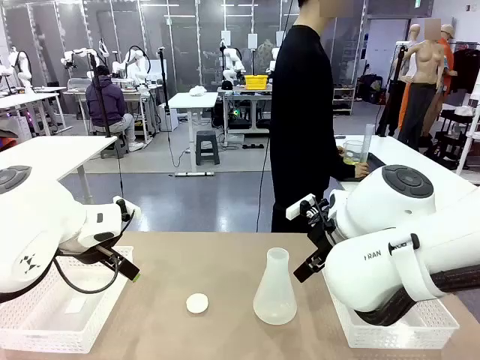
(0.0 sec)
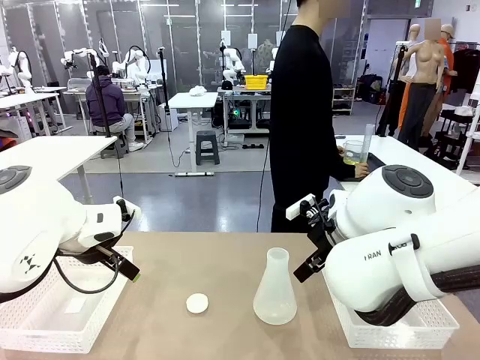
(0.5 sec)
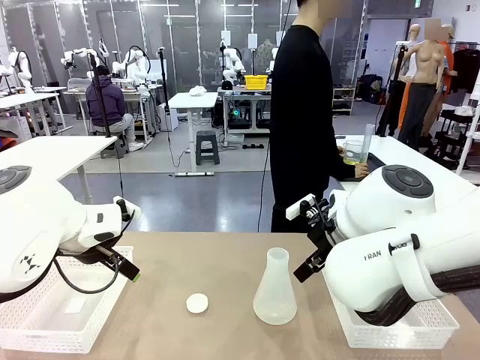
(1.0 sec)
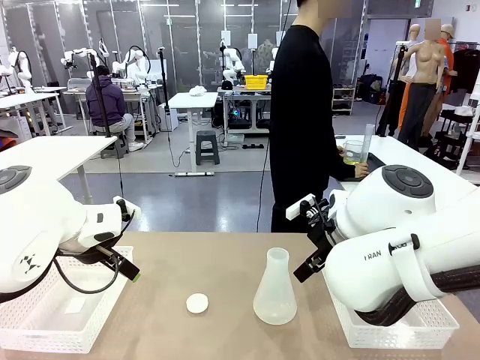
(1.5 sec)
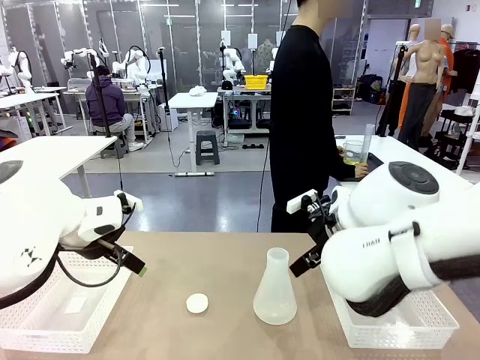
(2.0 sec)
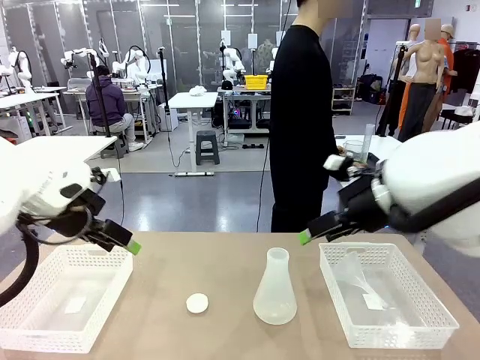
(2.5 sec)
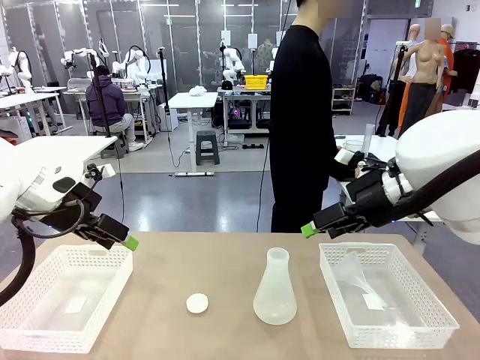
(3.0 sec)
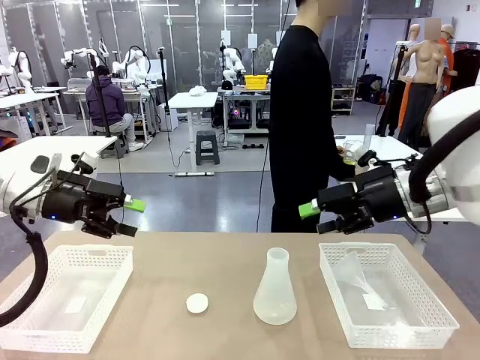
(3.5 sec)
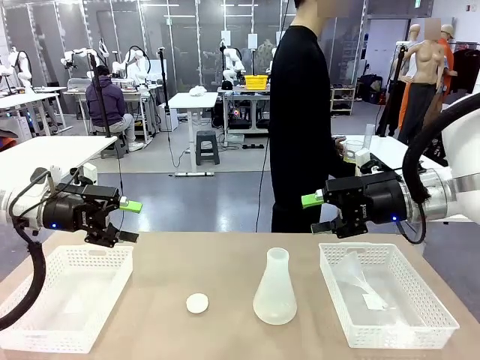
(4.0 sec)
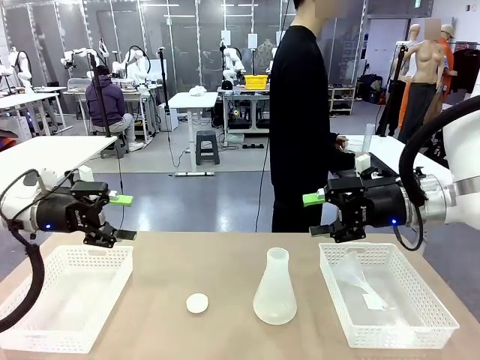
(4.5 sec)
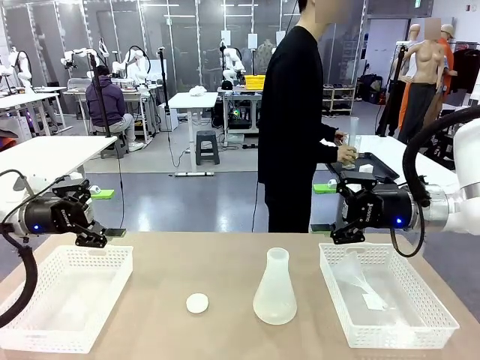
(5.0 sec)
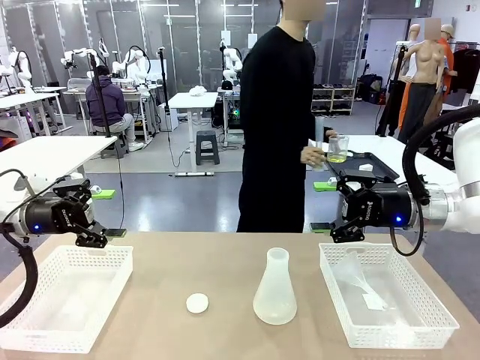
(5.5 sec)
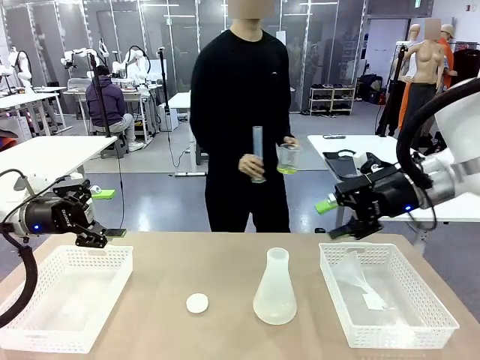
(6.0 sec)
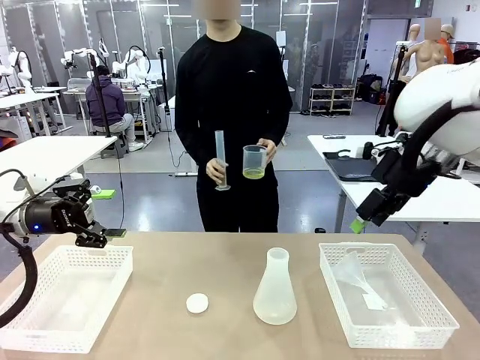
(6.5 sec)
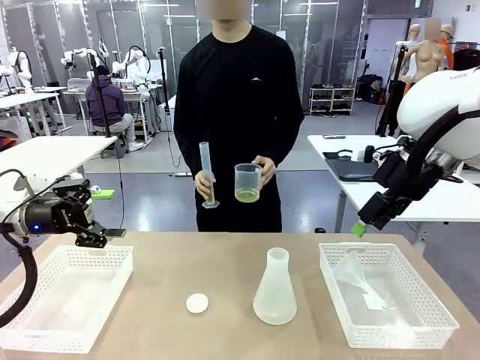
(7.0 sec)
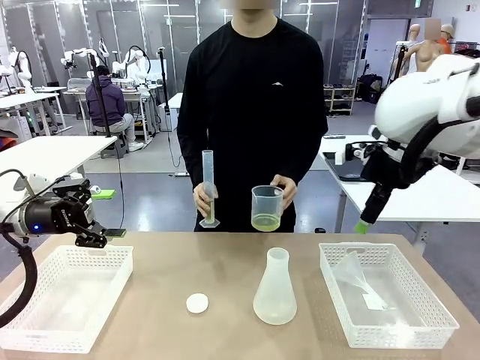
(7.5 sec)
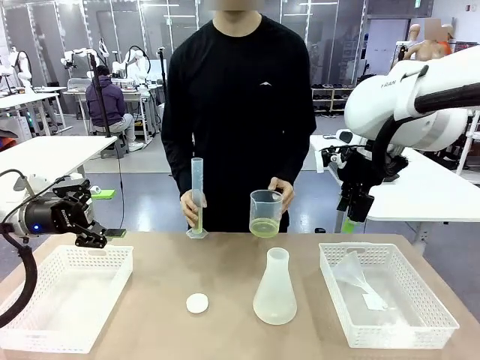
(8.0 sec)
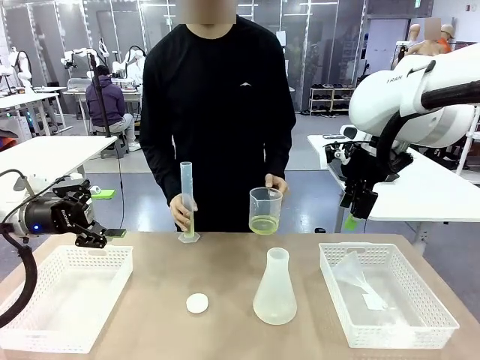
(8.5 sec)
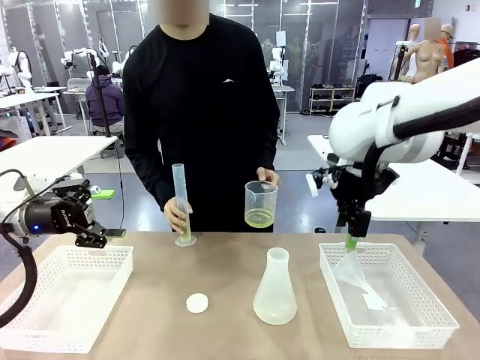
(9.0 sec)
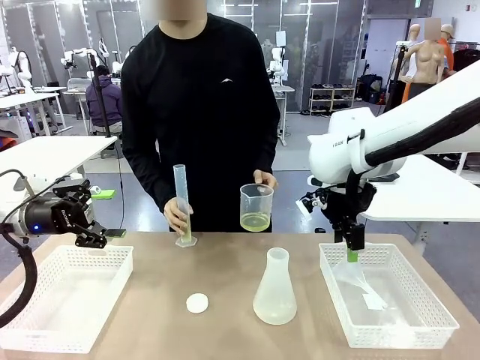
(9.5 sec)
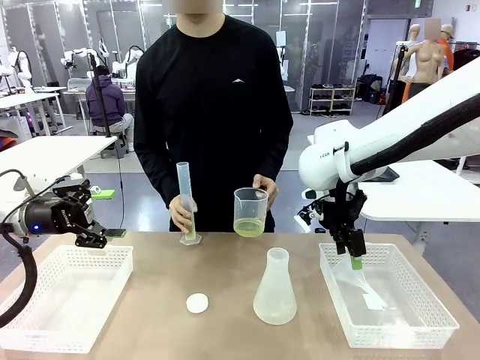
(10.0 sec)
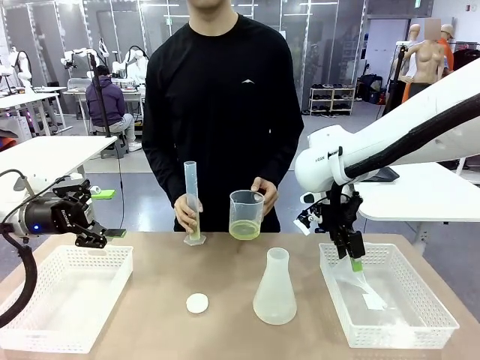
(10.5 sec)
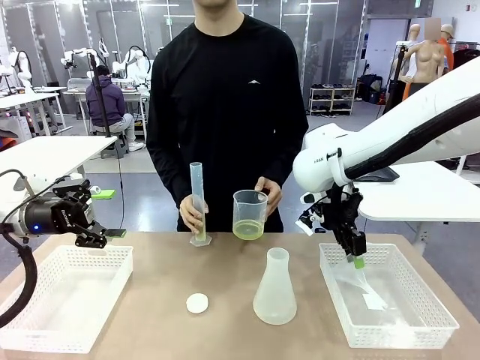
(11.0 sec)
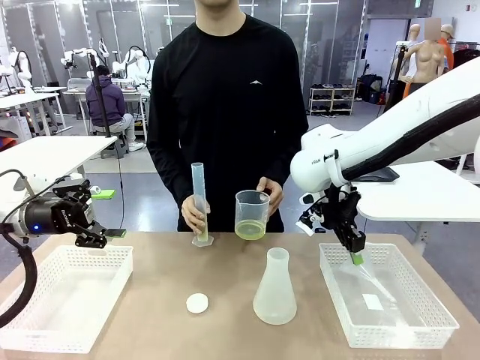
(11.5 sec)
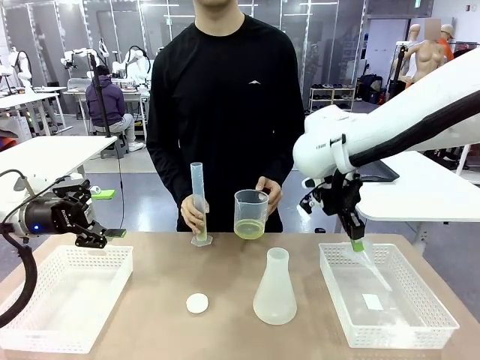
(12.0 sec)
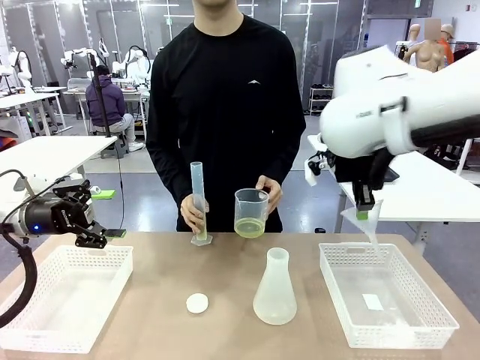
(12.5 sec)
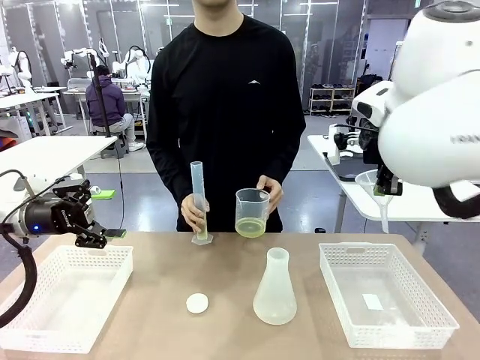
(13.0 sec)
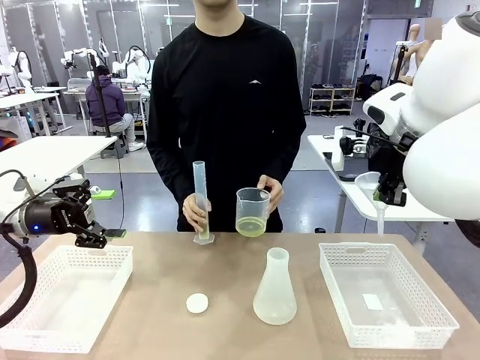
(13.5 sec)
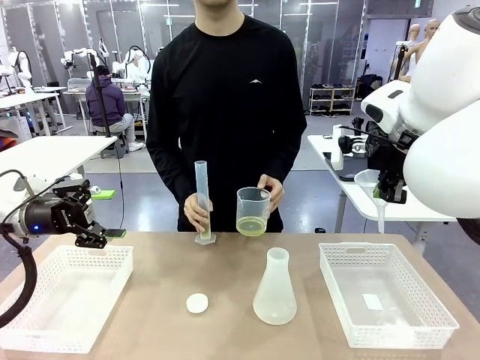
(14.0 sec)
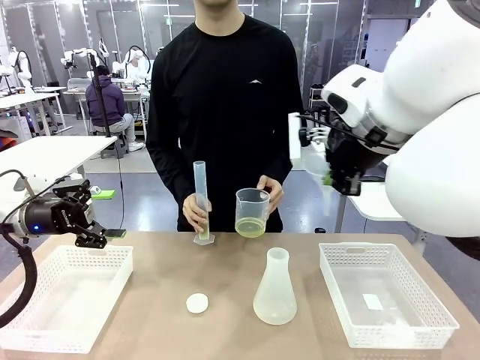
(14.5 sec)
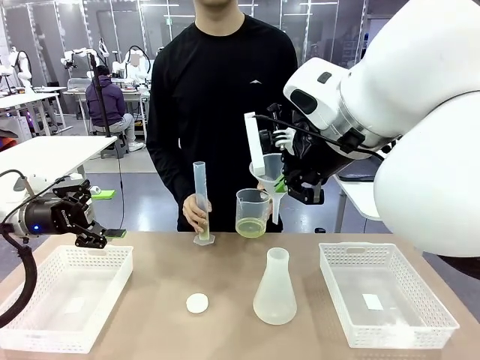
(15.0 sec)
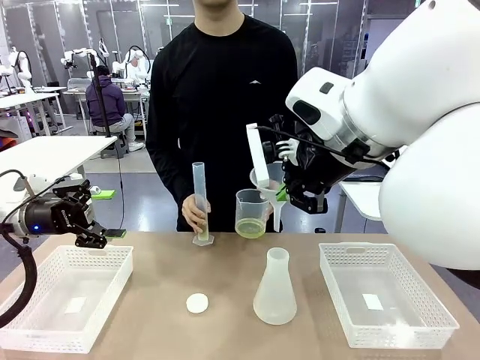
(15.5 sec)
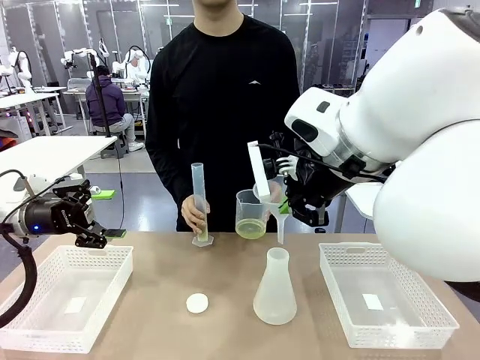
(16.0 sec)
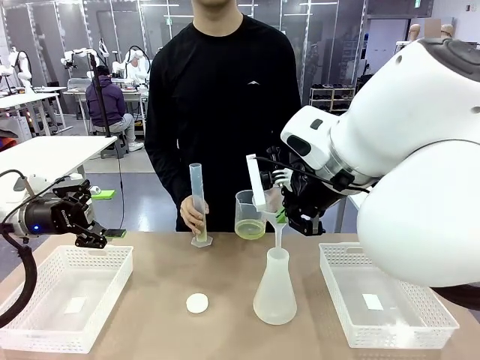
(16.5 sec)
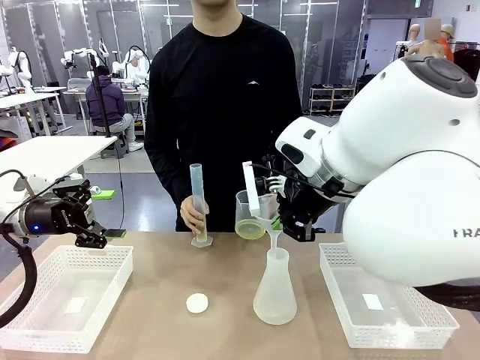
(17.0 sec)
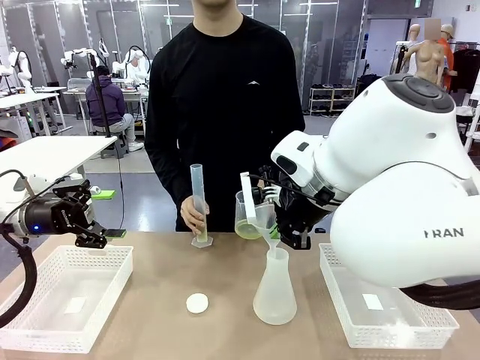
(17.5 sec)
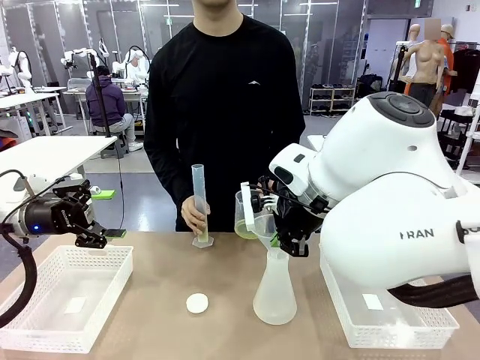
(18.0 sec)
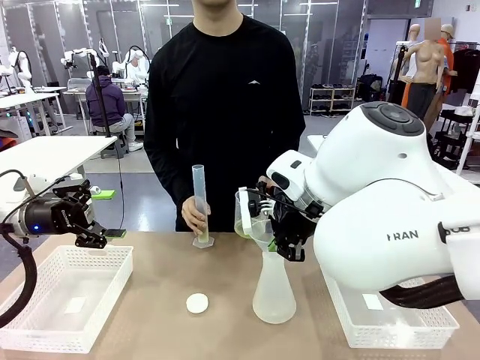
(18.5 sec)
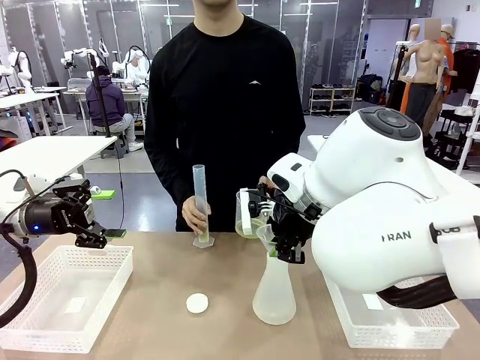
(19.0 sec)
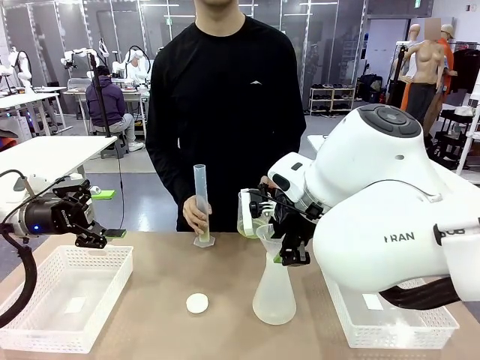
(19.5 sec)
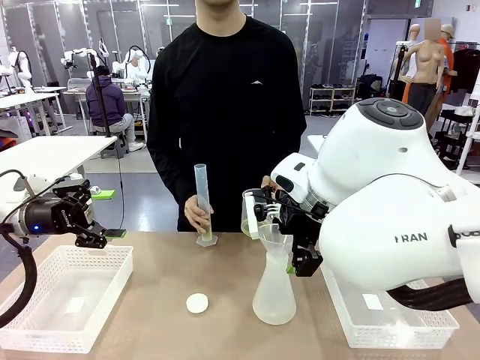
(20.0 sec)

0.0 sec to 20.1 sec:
Task: Prepare the solutions needed for the experiment.
Robot: Pick up the Plastic Funnel and insert it into the Big flask.
Person: Pick up the beaker and the cylinder and move to the middle of the robot table. Pour the solution from the beaker and the cylinder into the flask.
